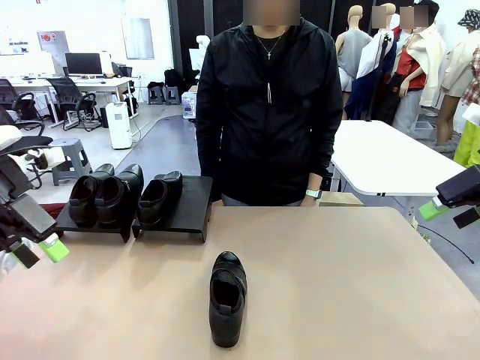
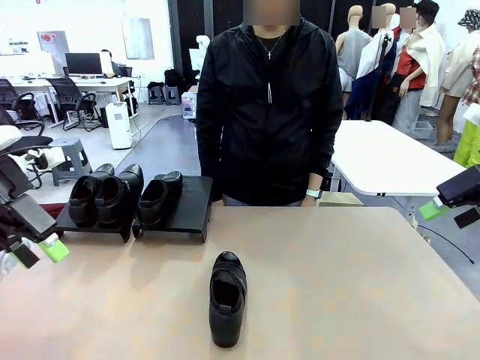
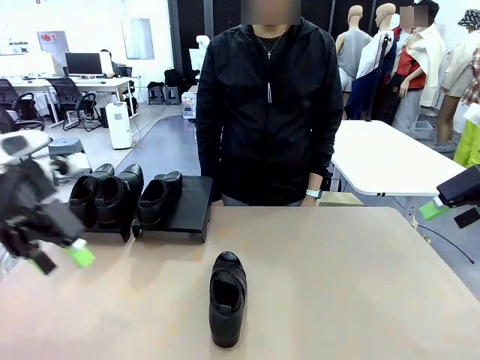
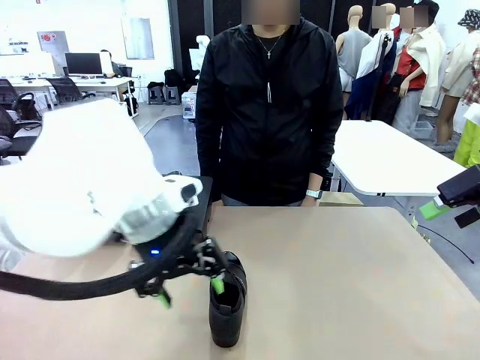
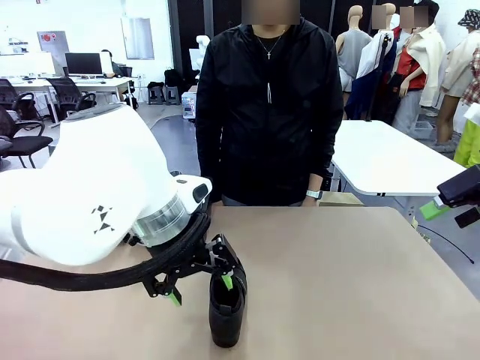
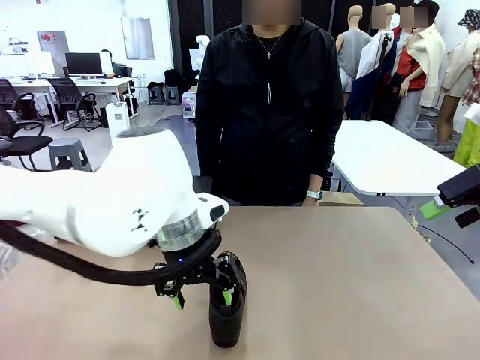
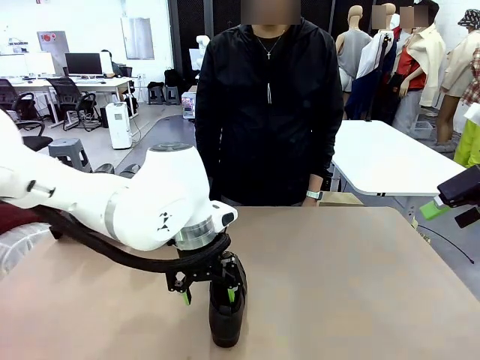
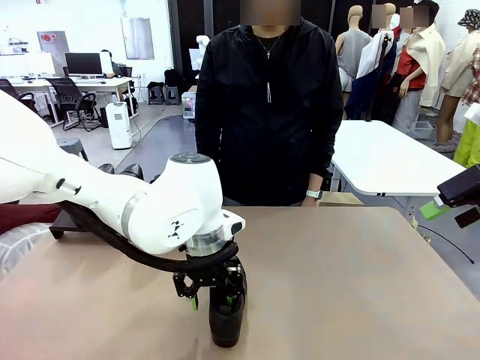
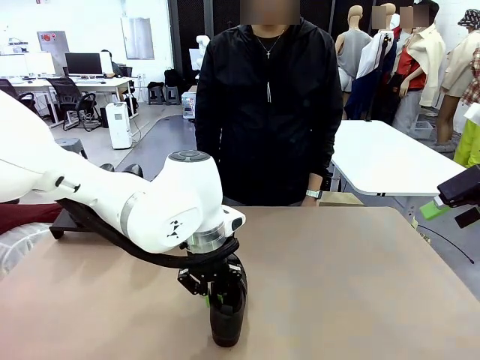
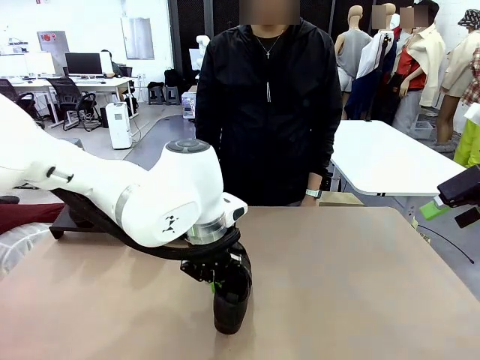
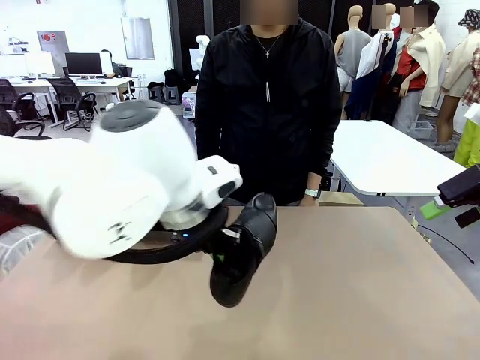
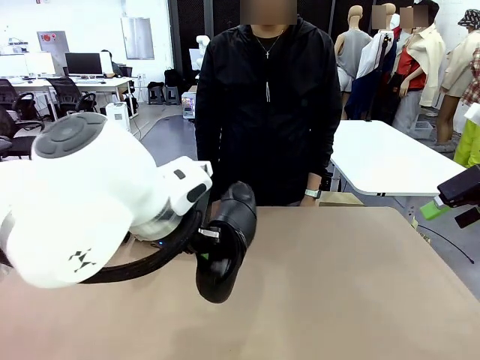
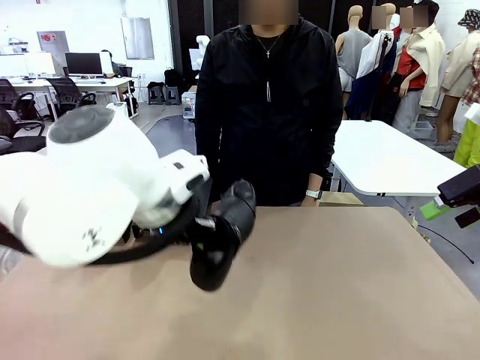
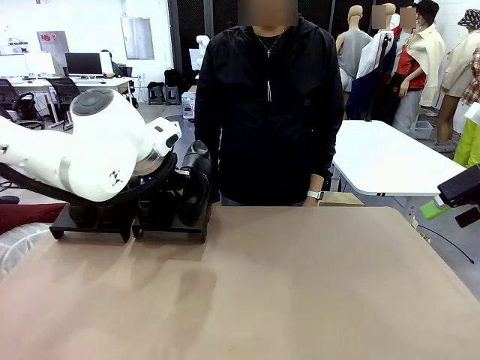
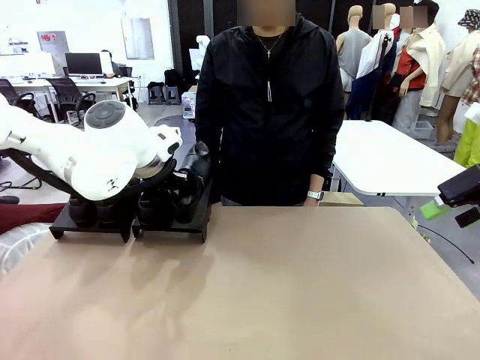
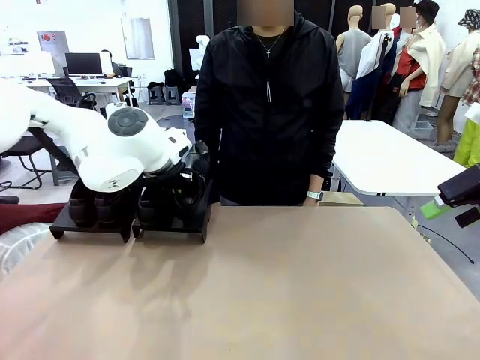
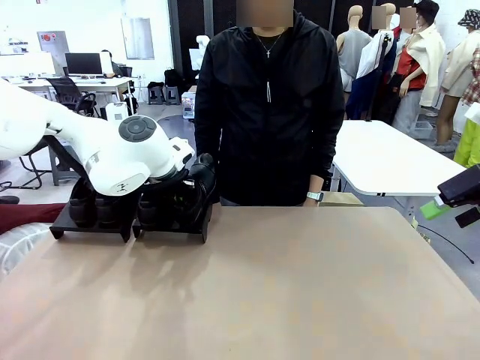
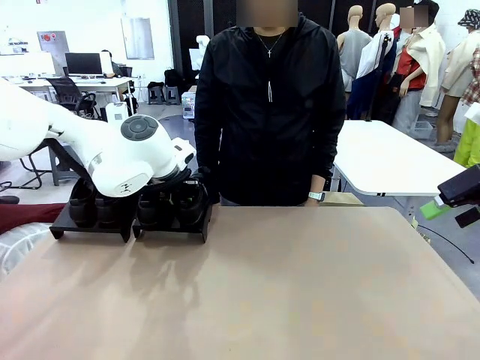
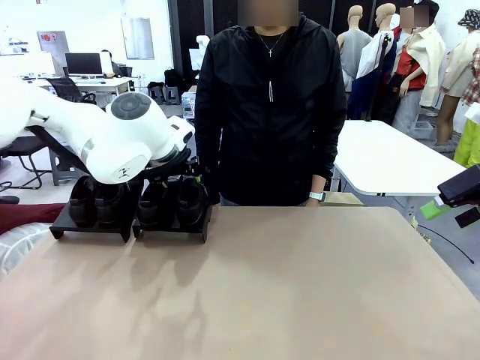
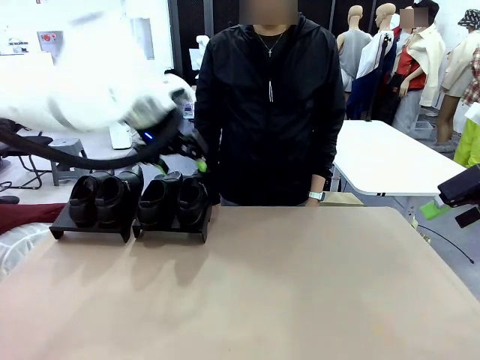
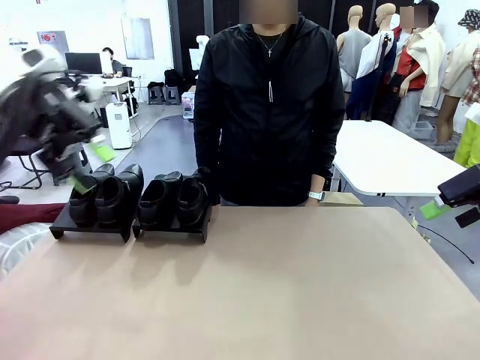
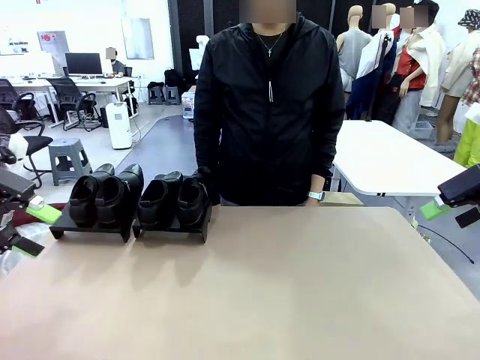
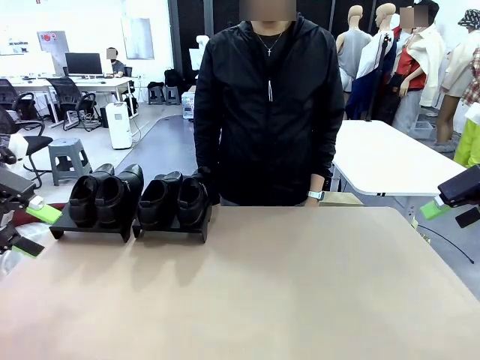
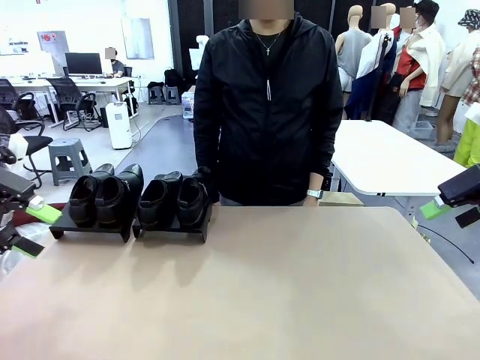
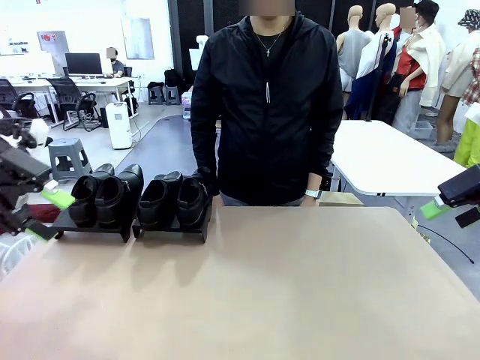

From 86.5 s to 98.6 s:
Task: Organize the shoes by placing them on the stand.
Robot: Place the Shoe from the middle of the table onto the Shoes Stand.

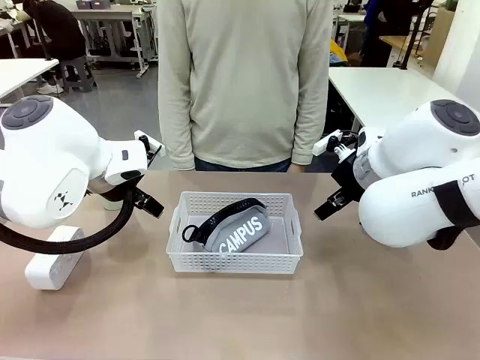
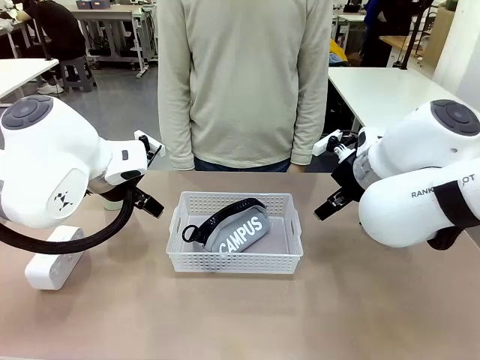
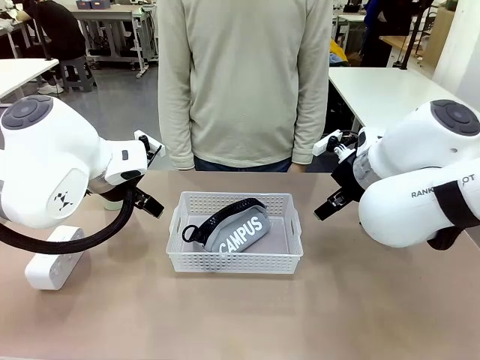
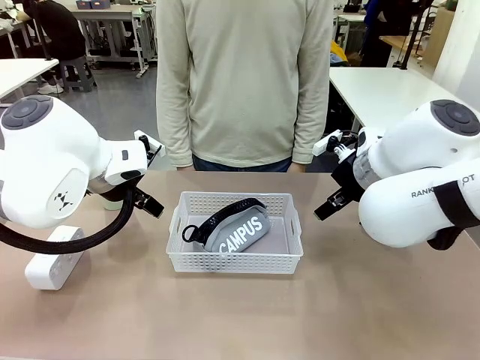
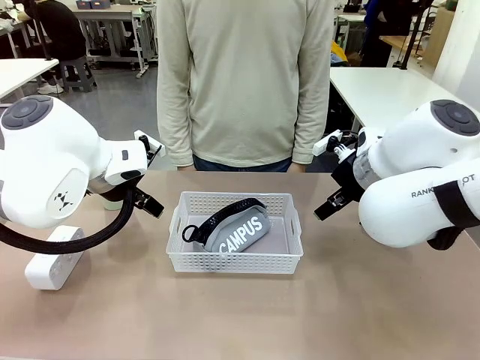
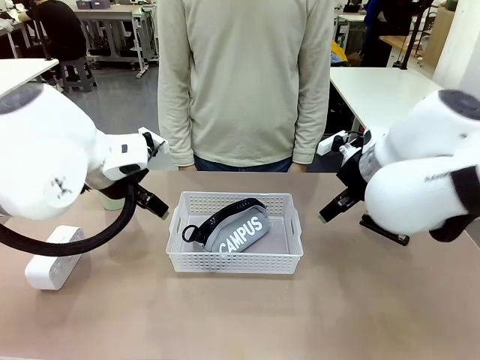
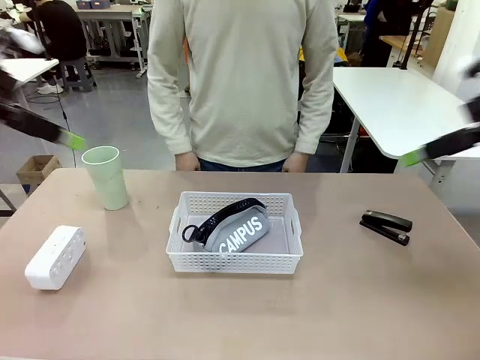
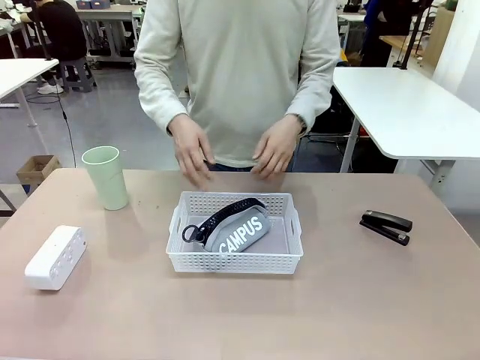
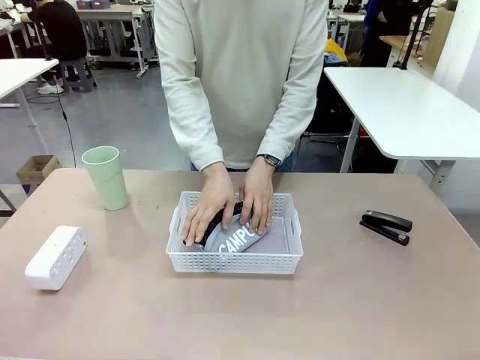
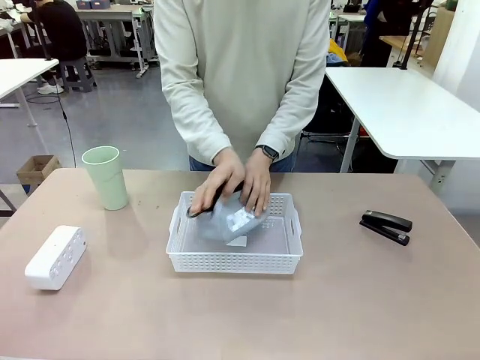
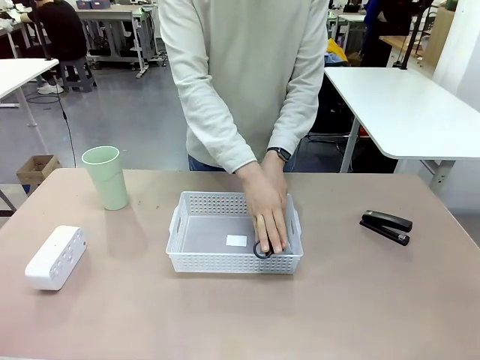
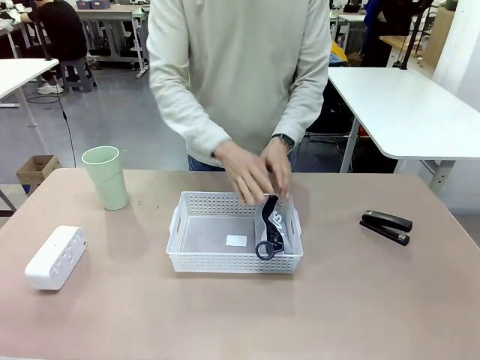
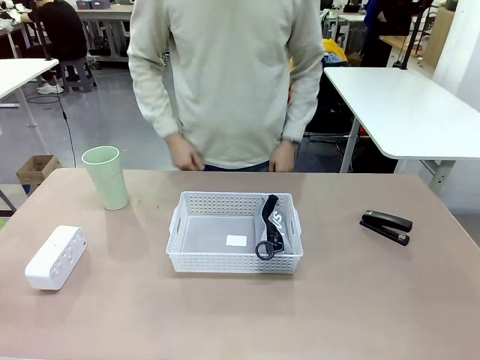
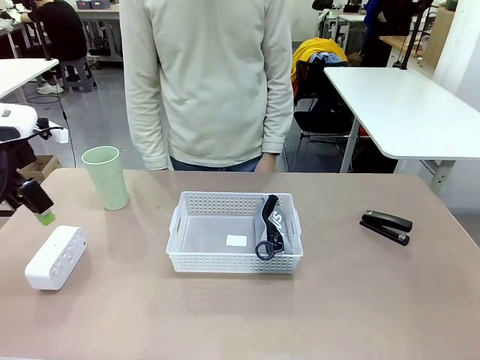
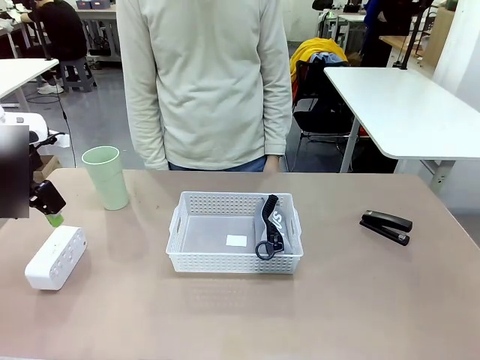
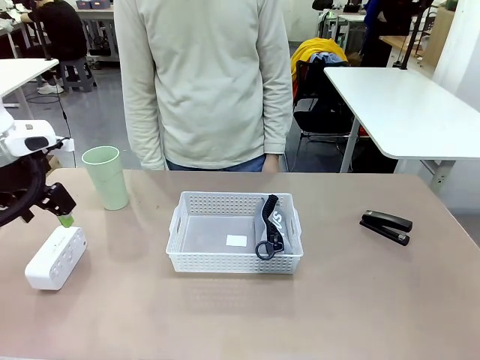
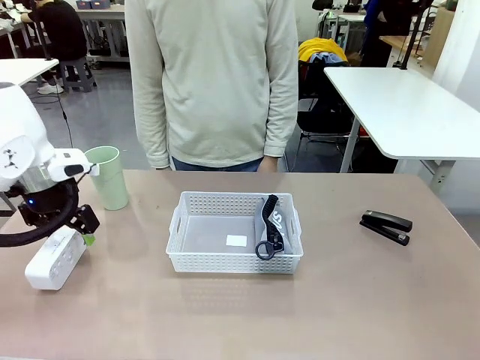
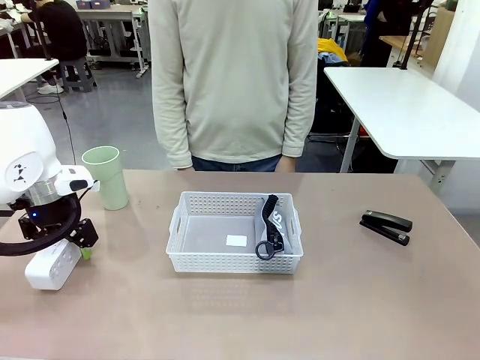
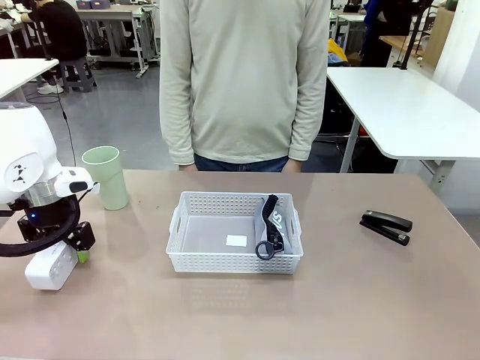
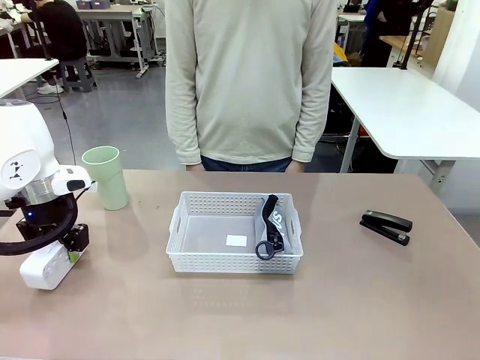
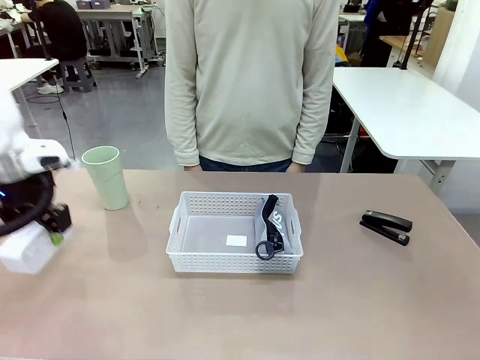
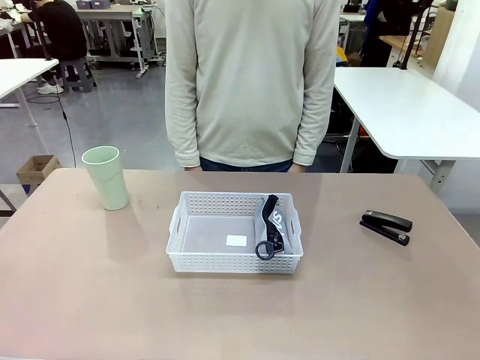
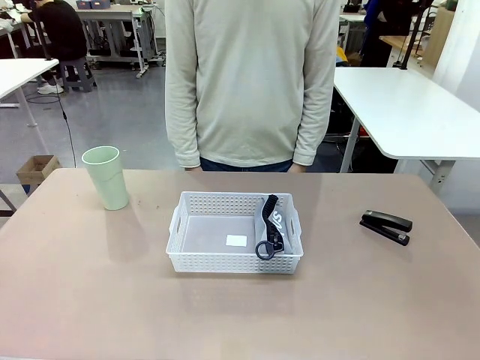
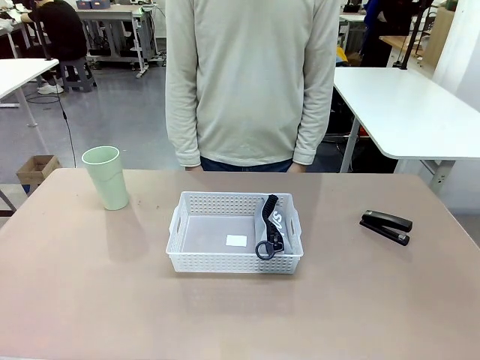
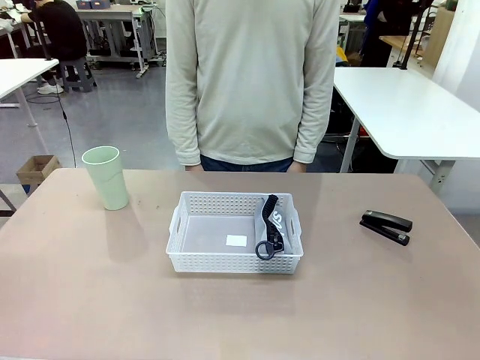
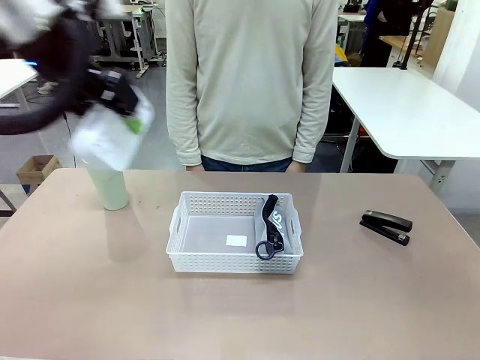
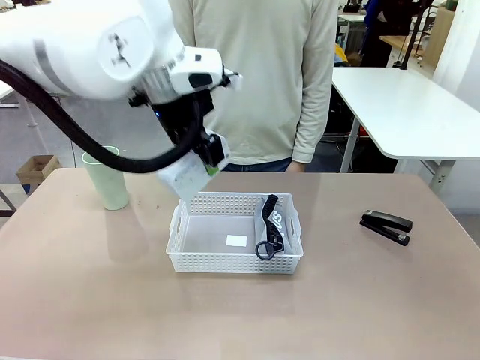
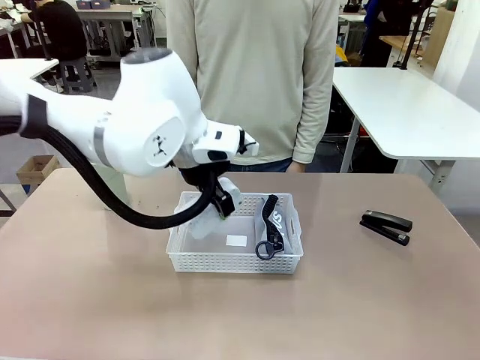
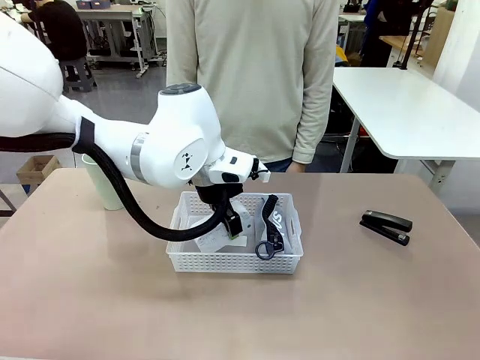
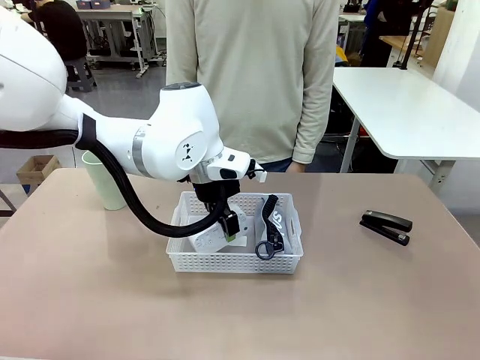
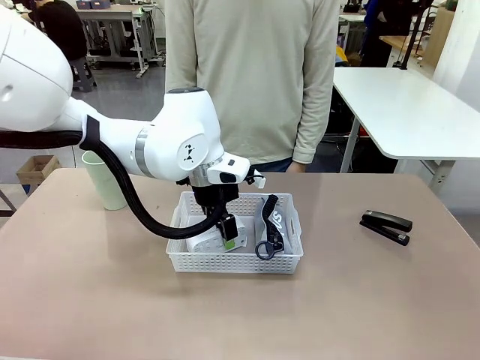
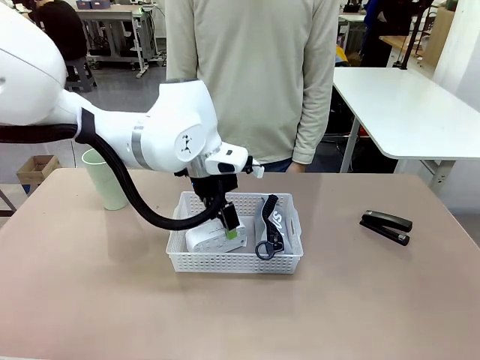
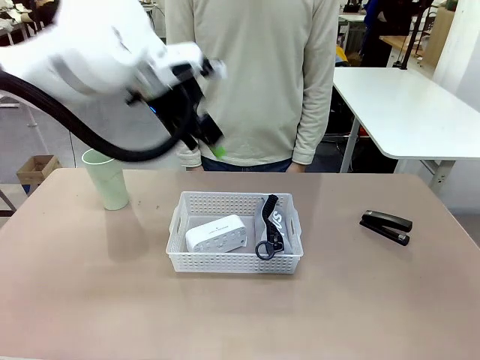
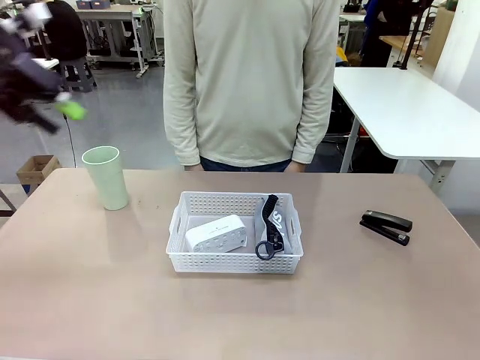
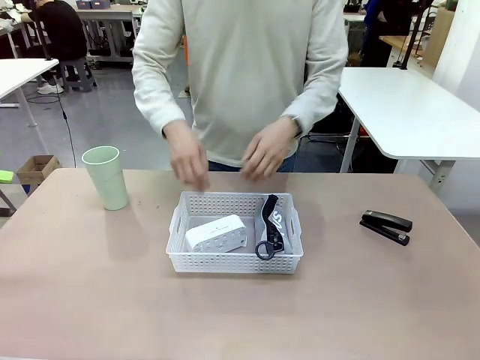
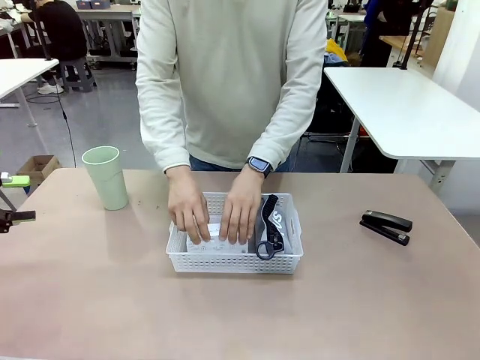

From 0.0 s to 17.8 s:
Task: Efficiently arrange items inside the basket to fit them all.
Robot: Pick up the Digital clock and place it inside the Organizing basket.
Person: Repositions the pencil case. Repositions the digital clock.
